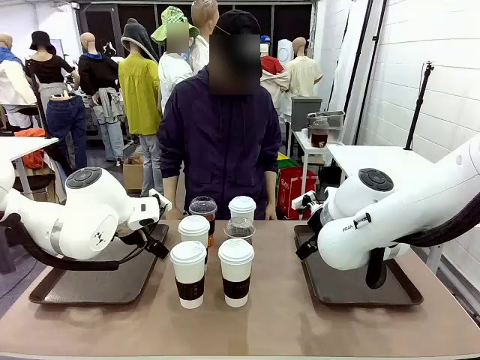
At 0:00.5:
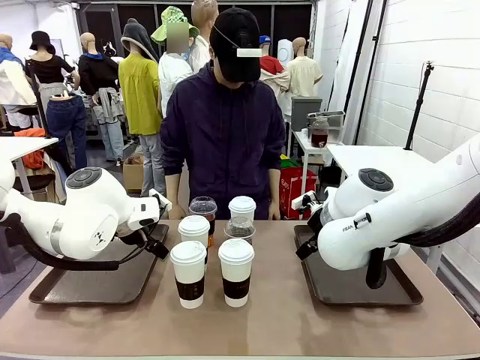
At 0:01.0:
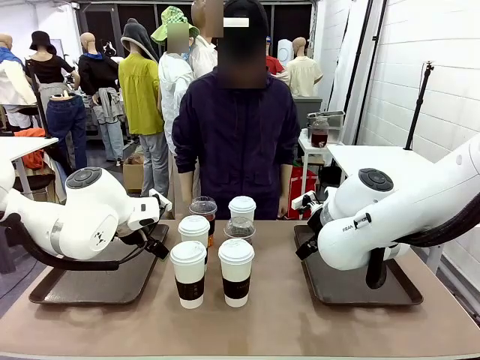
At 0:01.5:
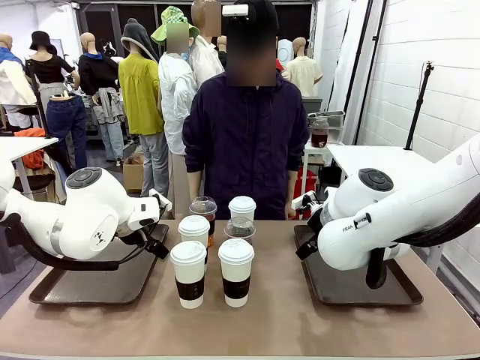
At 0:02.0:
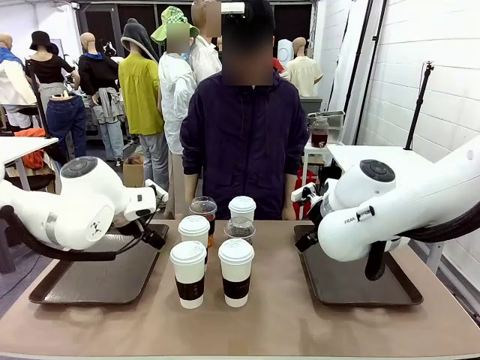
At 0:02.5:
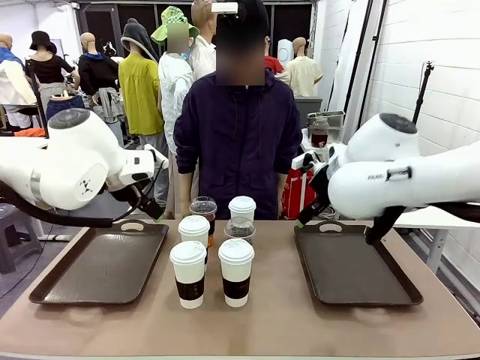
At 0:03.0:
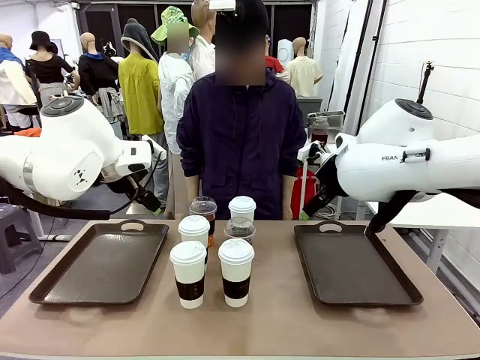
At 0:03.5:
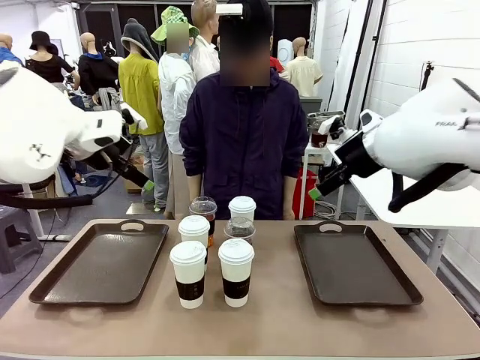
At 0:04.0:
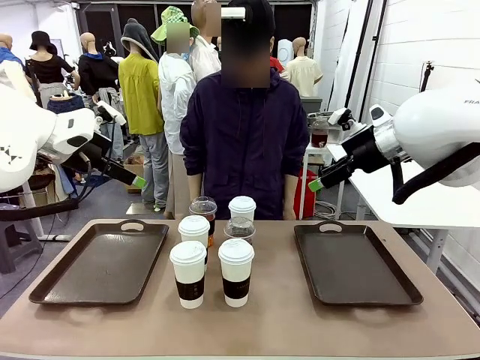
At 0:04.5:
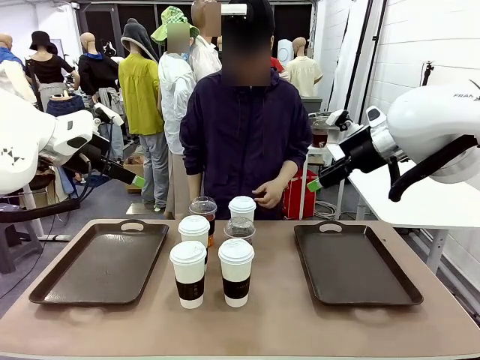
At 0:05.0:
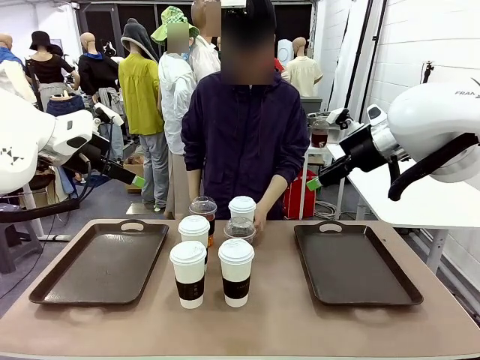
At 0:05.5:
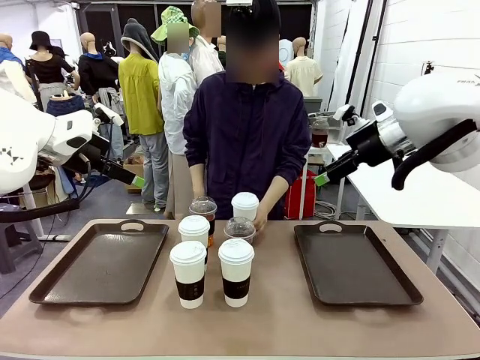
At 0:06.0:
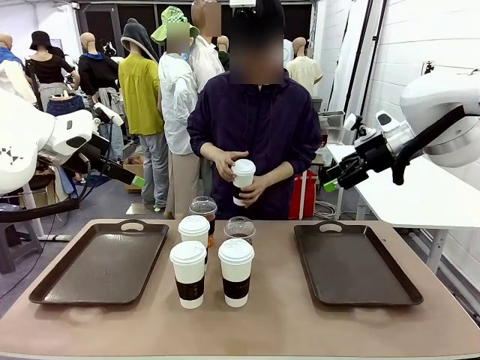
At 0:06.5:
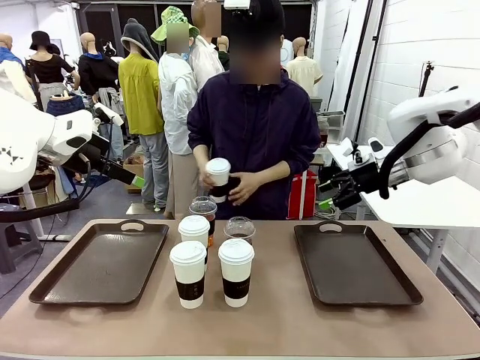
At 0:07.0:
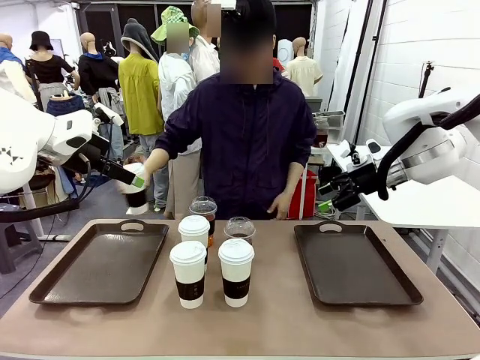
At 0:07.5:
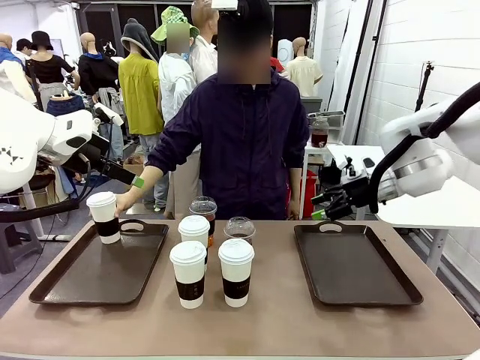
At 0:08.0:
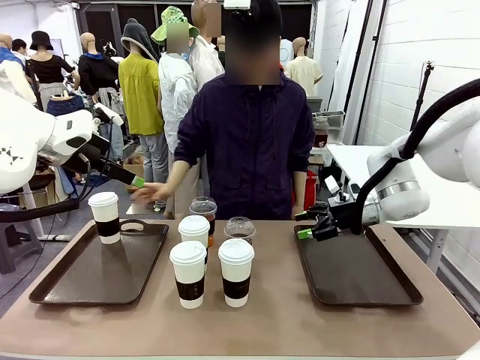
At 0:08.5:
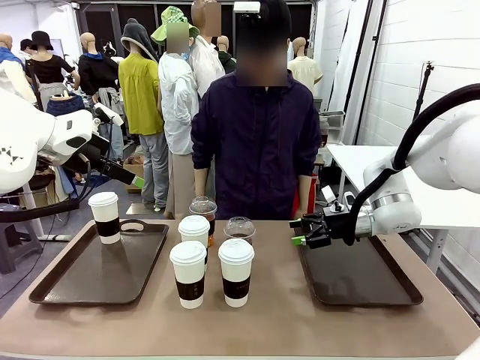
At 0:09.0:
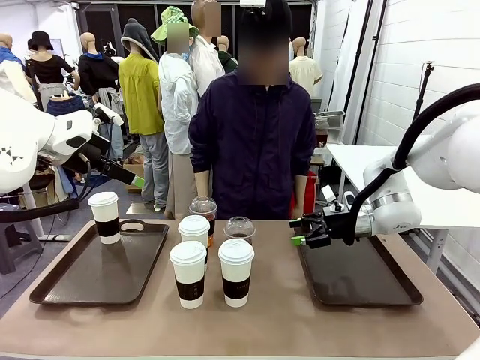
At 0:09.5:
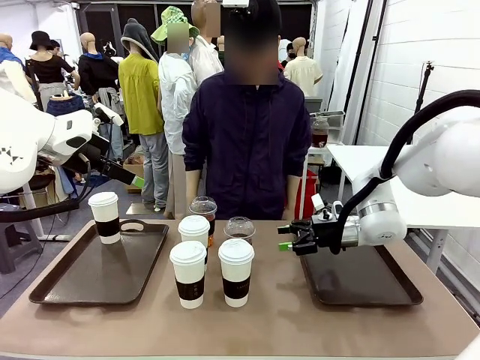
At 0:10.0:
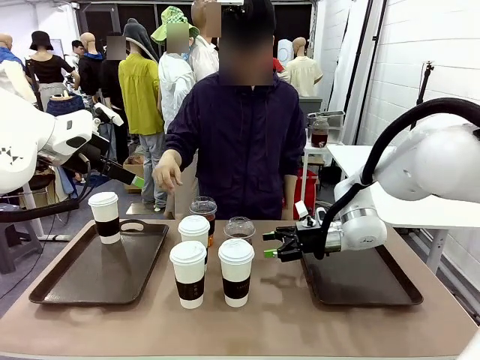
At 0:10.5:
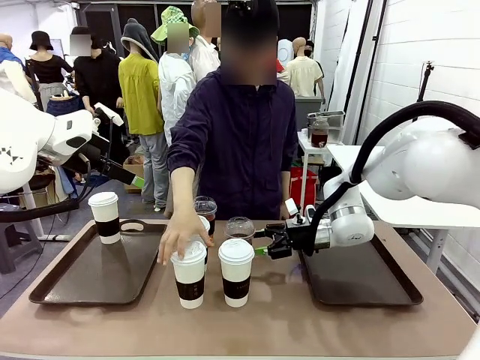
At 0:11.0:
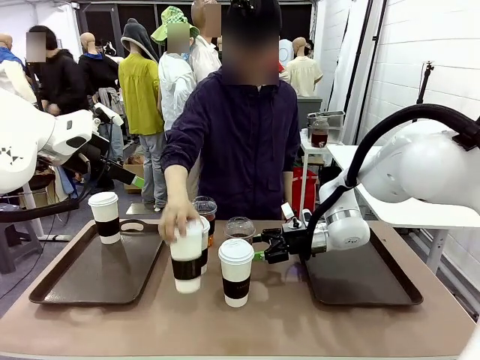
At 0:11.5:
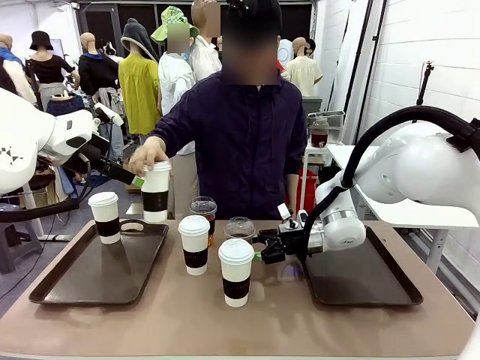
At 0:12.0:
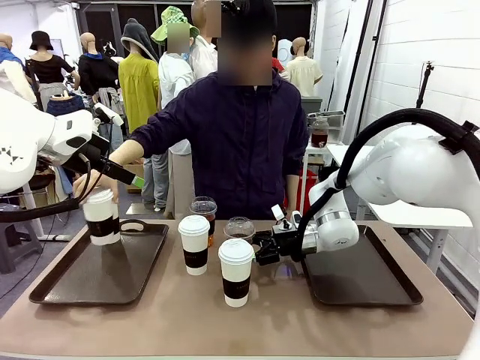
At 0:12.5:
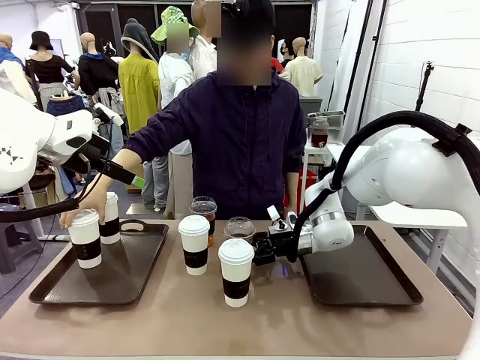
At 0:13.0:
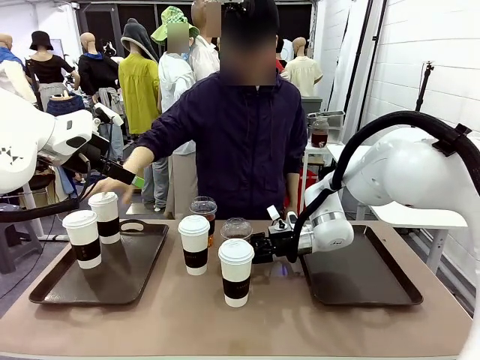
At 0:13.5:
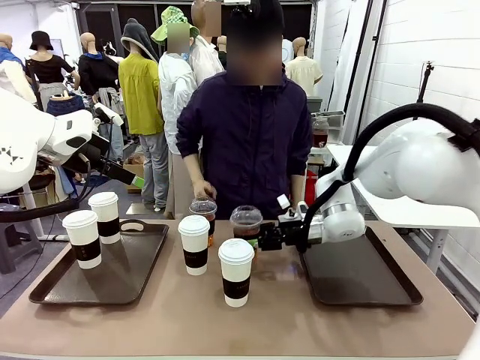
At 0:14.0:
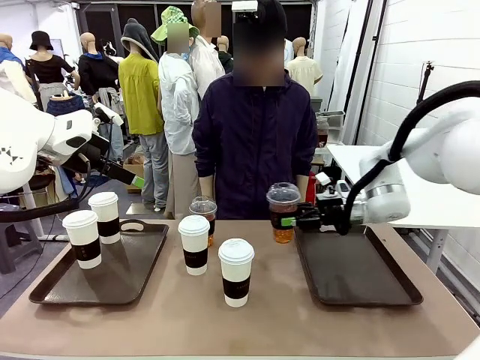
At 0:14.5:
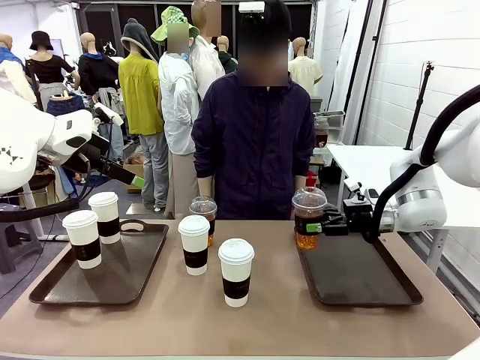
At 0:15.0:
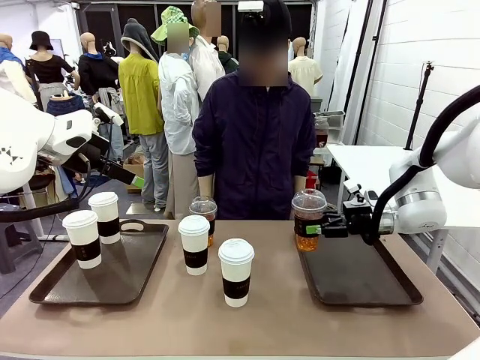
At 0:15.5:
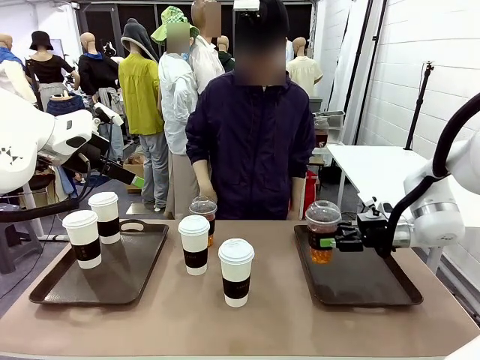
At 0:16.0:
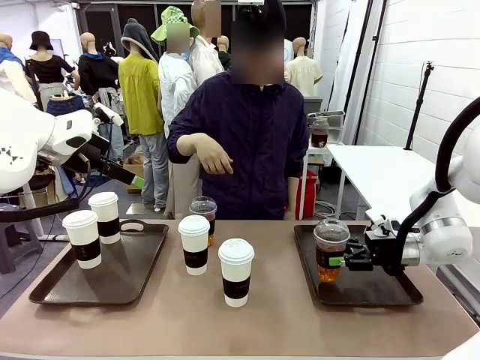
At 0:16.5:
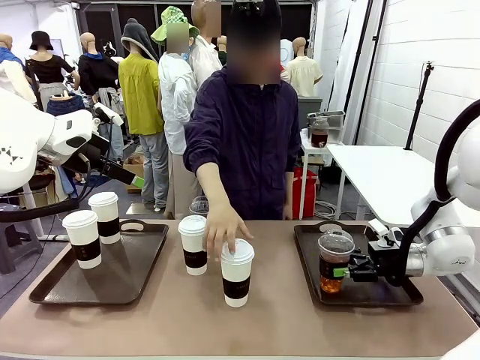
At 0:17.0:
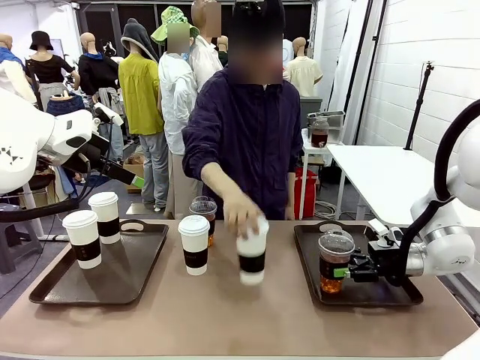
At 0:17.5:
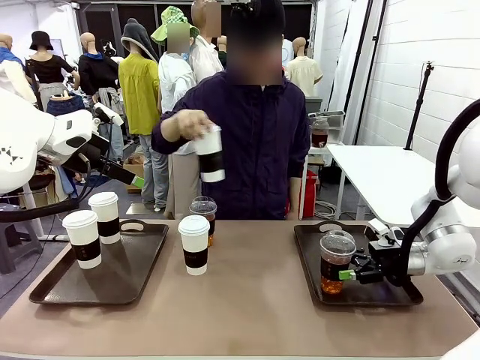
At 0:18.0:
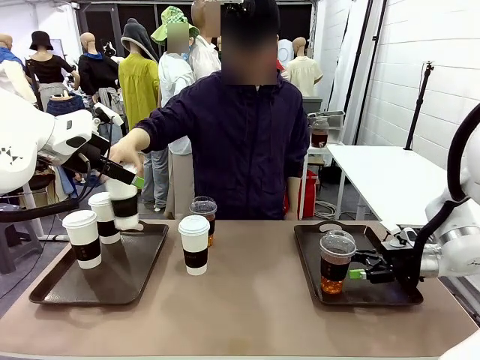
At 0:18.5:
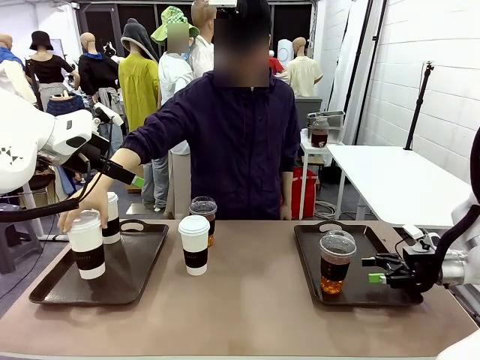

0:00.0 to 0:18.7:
Task: Distribute the coffee onto the tray.
Robot: Pick up one iced Americano and place it on the right Handle tray.
Person: Pick up a cup of hot Americano and place it on the right tray.
